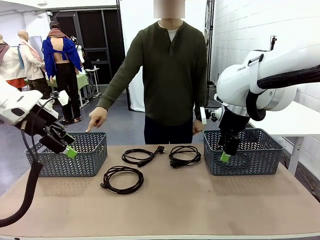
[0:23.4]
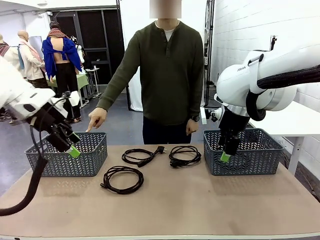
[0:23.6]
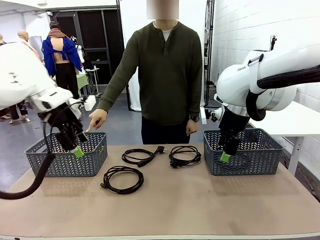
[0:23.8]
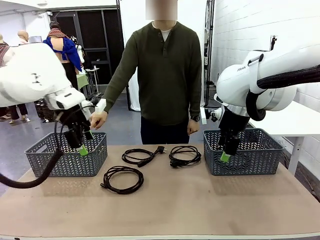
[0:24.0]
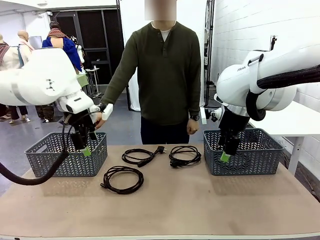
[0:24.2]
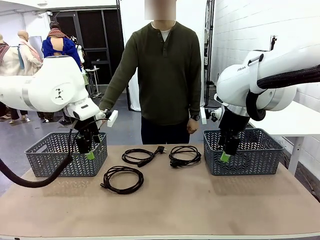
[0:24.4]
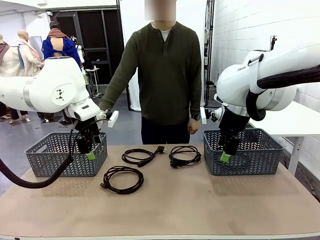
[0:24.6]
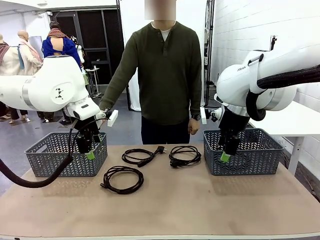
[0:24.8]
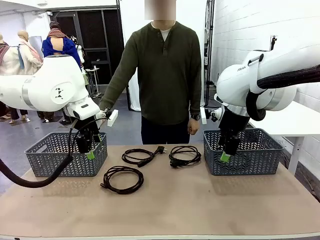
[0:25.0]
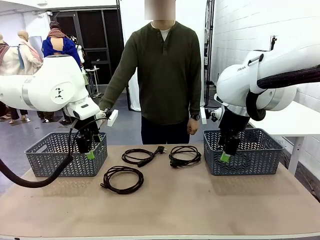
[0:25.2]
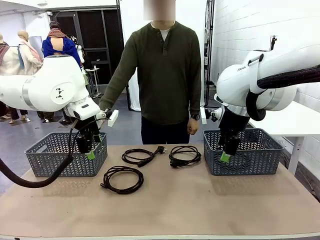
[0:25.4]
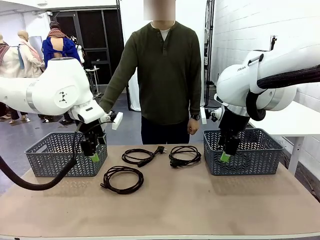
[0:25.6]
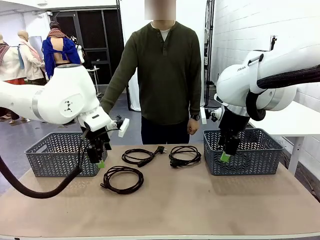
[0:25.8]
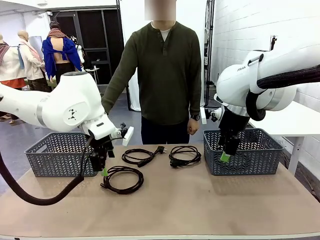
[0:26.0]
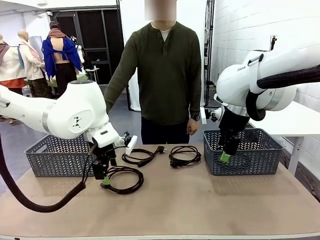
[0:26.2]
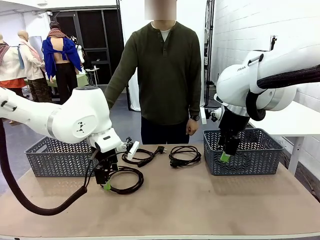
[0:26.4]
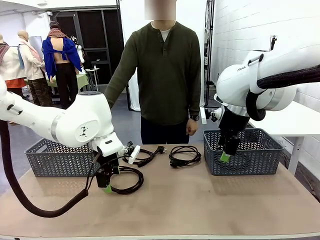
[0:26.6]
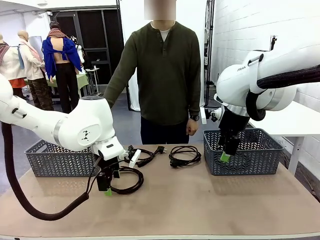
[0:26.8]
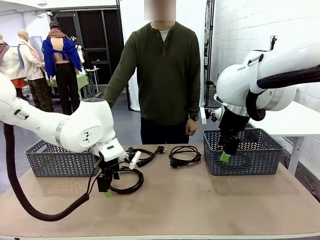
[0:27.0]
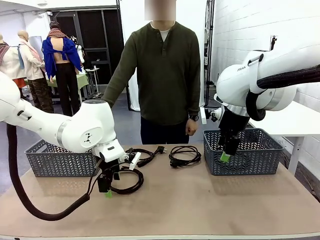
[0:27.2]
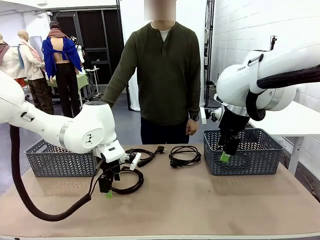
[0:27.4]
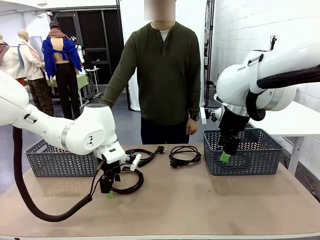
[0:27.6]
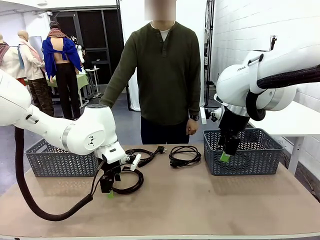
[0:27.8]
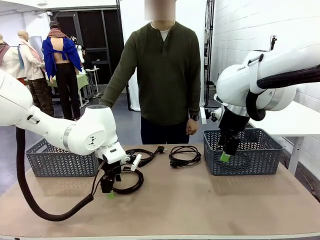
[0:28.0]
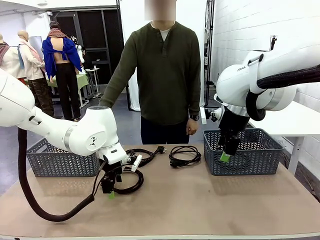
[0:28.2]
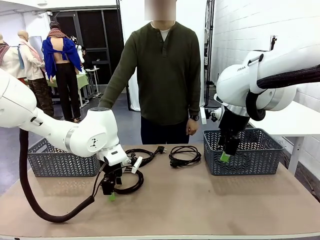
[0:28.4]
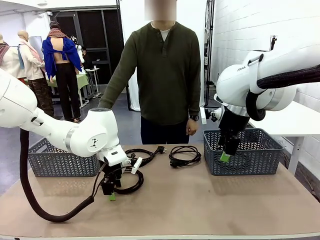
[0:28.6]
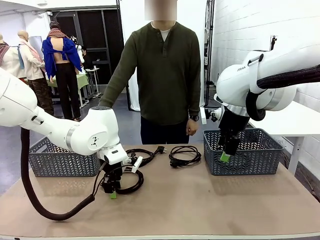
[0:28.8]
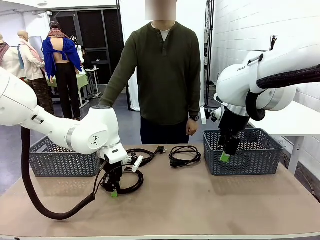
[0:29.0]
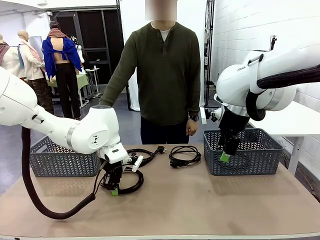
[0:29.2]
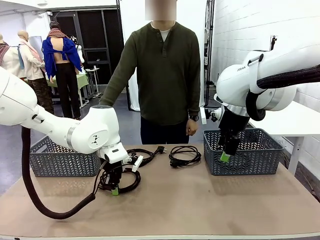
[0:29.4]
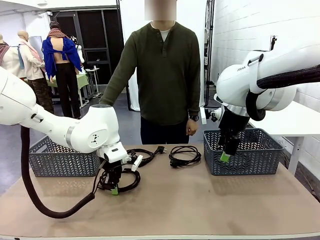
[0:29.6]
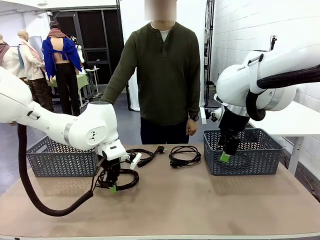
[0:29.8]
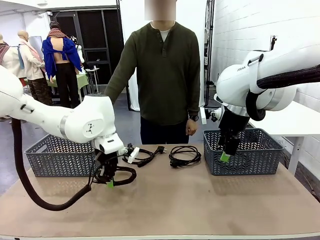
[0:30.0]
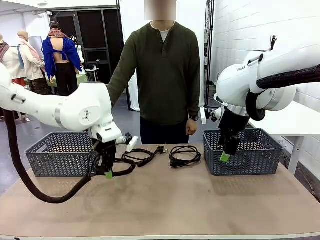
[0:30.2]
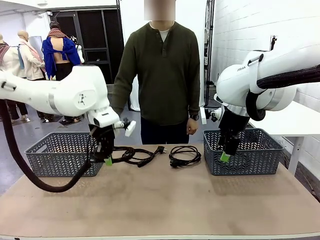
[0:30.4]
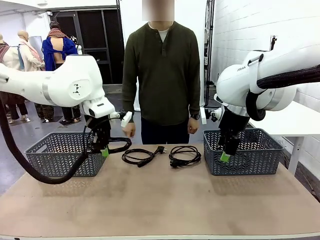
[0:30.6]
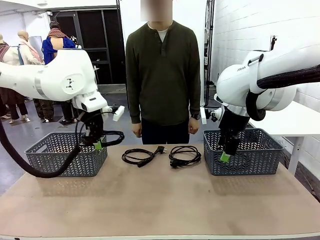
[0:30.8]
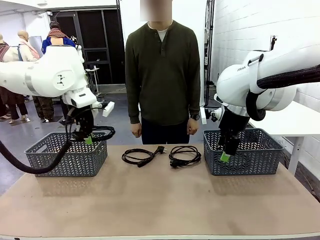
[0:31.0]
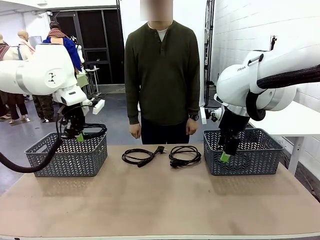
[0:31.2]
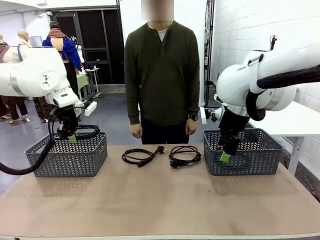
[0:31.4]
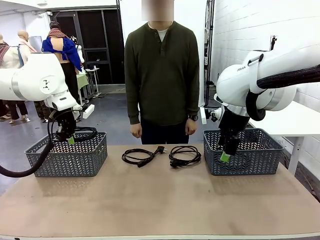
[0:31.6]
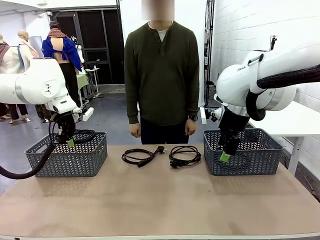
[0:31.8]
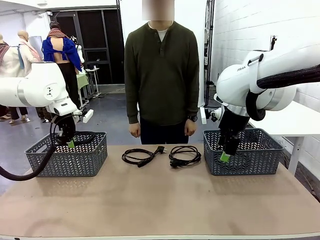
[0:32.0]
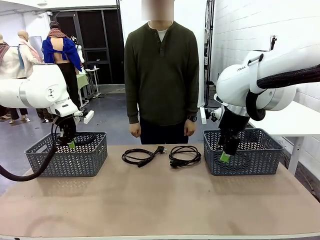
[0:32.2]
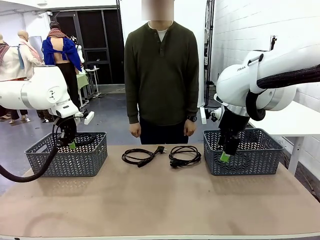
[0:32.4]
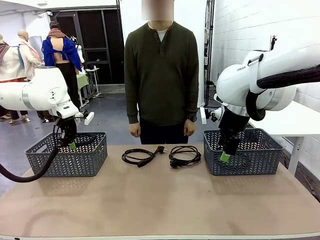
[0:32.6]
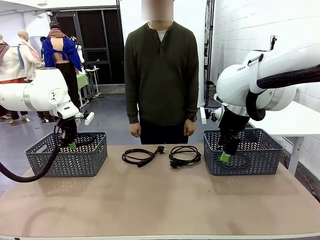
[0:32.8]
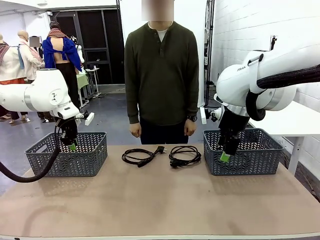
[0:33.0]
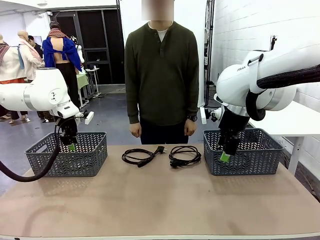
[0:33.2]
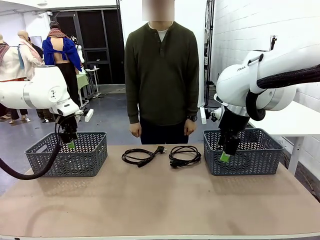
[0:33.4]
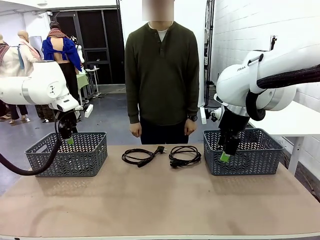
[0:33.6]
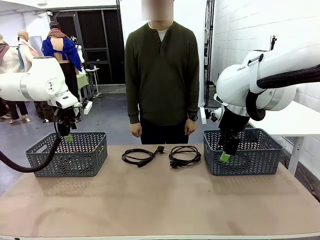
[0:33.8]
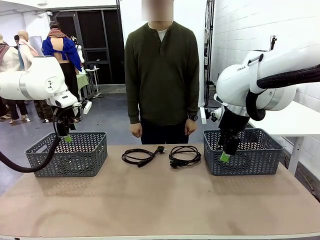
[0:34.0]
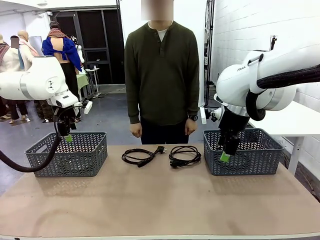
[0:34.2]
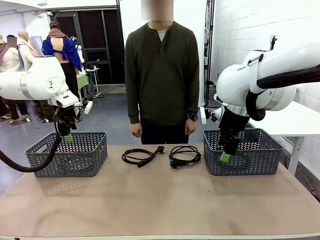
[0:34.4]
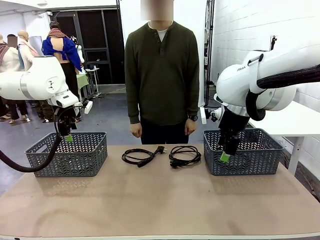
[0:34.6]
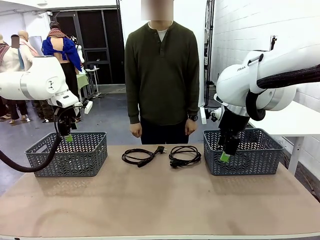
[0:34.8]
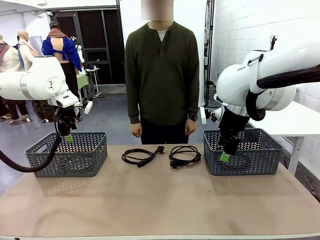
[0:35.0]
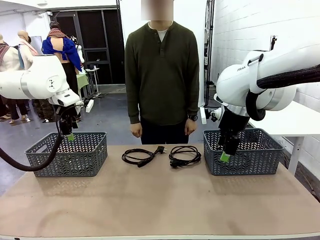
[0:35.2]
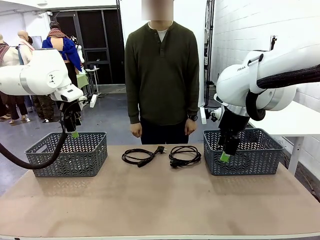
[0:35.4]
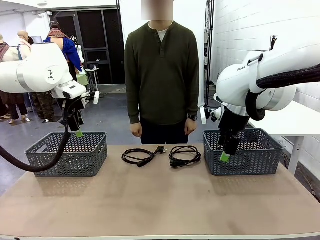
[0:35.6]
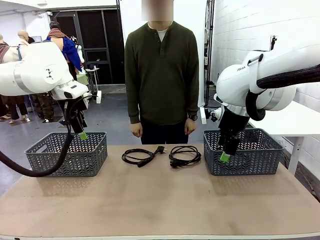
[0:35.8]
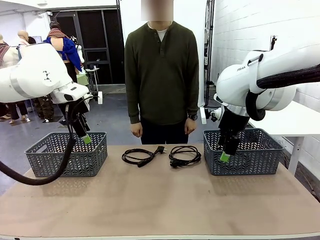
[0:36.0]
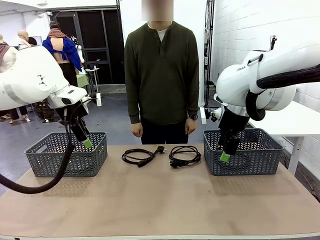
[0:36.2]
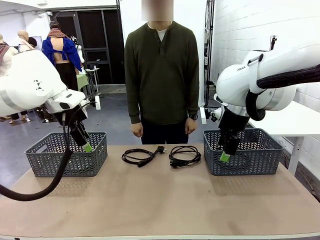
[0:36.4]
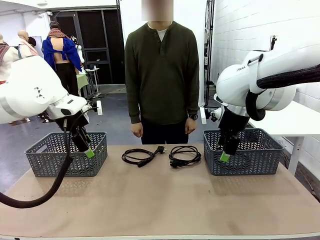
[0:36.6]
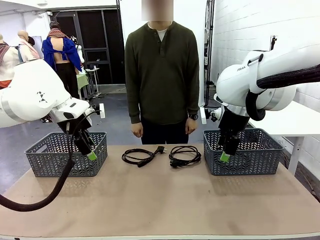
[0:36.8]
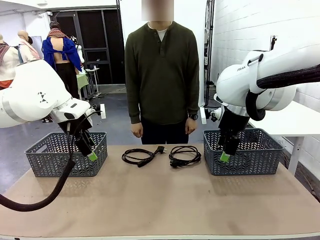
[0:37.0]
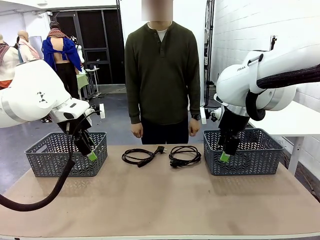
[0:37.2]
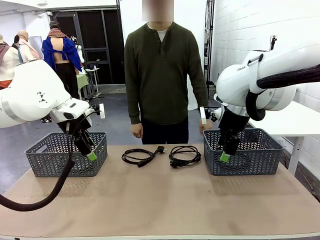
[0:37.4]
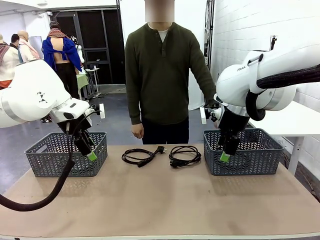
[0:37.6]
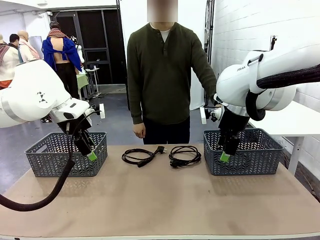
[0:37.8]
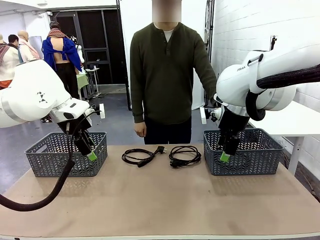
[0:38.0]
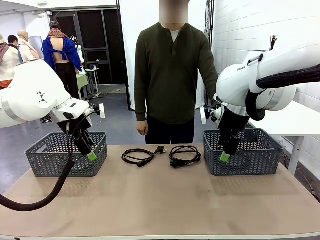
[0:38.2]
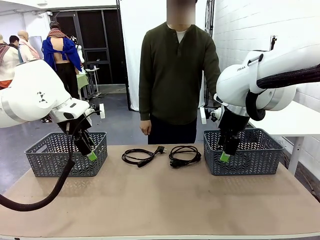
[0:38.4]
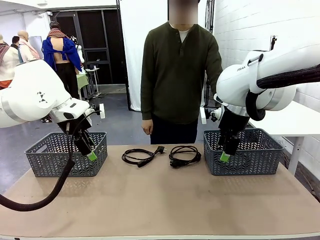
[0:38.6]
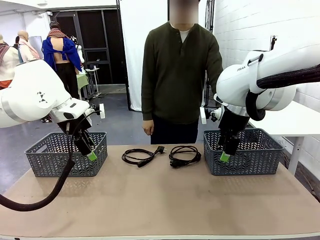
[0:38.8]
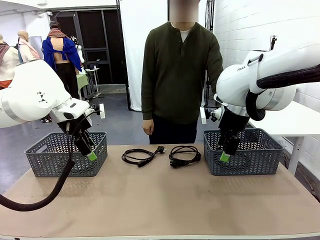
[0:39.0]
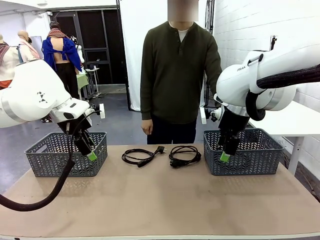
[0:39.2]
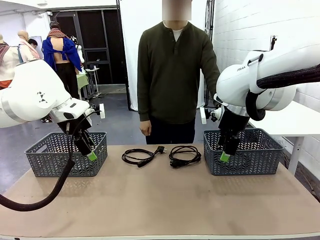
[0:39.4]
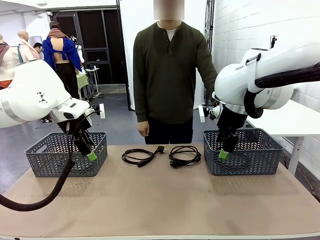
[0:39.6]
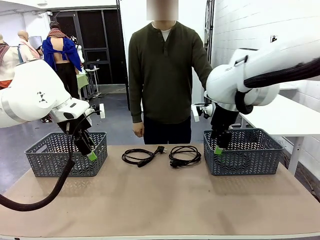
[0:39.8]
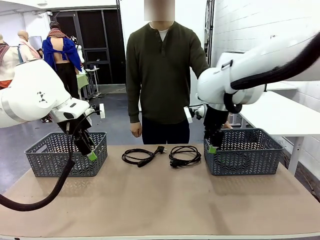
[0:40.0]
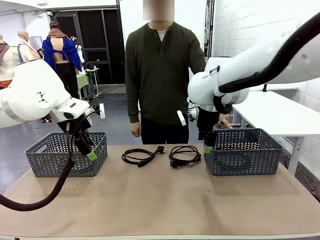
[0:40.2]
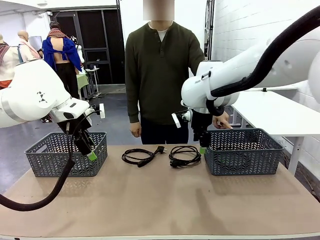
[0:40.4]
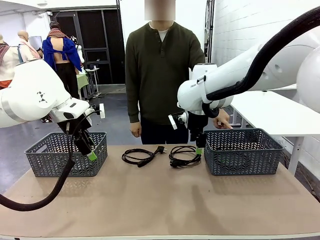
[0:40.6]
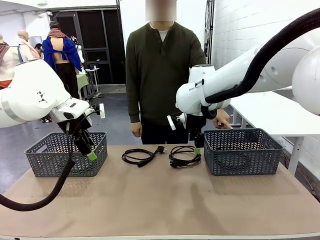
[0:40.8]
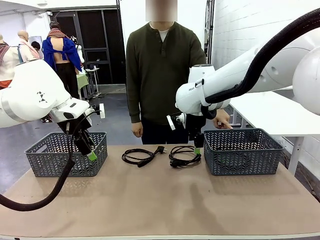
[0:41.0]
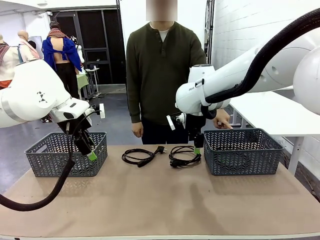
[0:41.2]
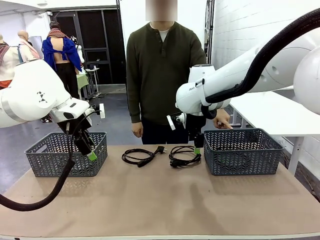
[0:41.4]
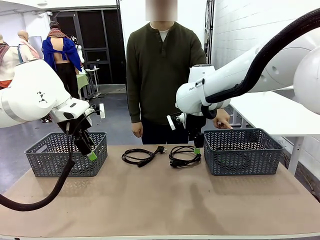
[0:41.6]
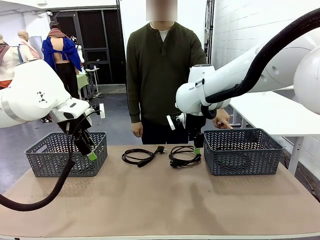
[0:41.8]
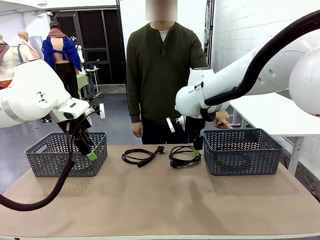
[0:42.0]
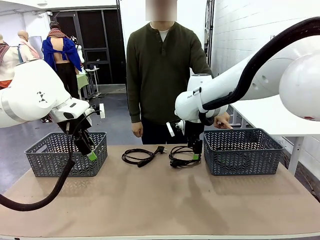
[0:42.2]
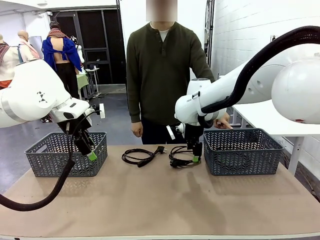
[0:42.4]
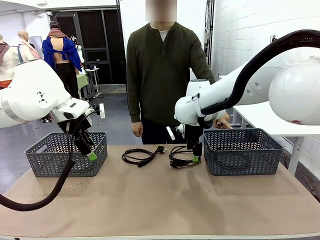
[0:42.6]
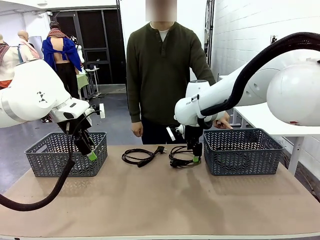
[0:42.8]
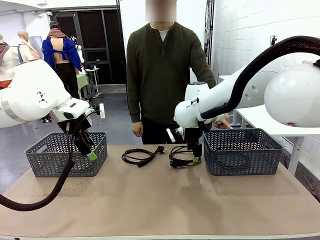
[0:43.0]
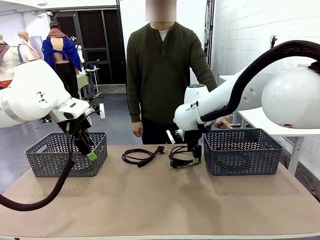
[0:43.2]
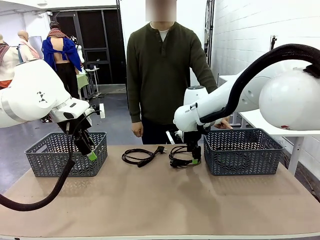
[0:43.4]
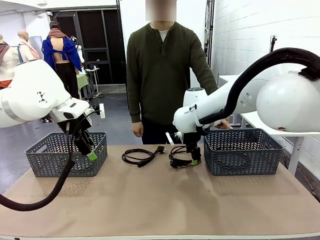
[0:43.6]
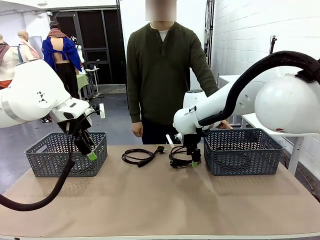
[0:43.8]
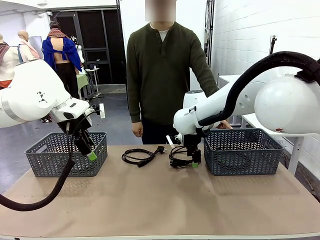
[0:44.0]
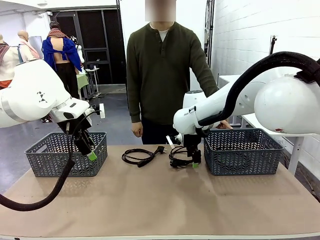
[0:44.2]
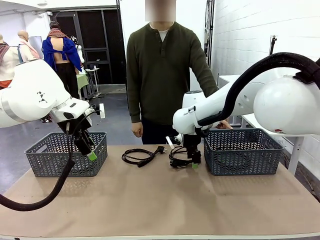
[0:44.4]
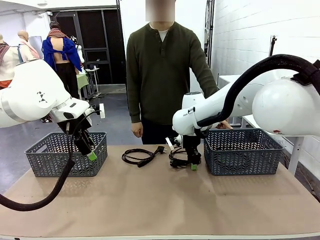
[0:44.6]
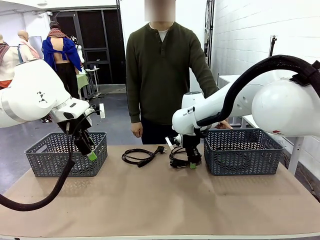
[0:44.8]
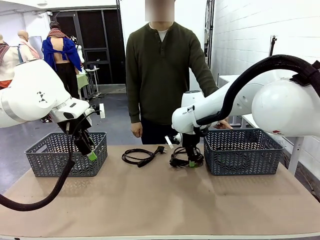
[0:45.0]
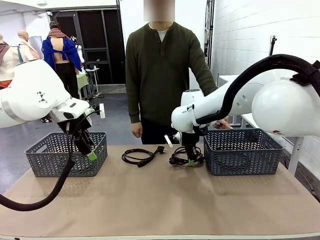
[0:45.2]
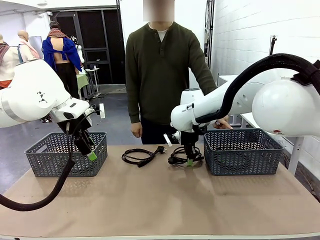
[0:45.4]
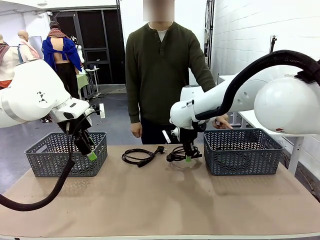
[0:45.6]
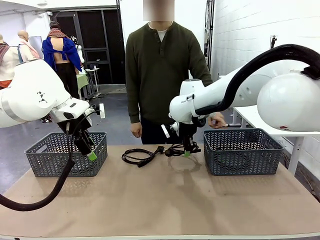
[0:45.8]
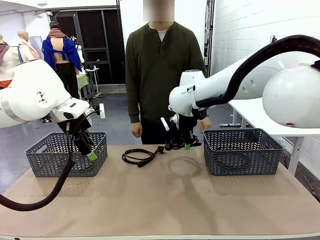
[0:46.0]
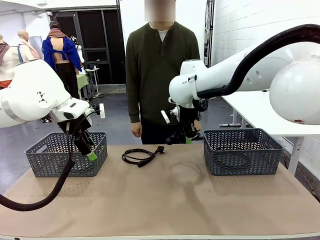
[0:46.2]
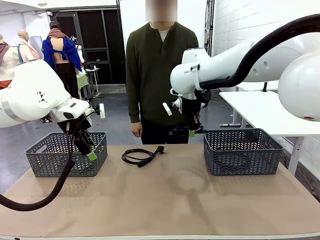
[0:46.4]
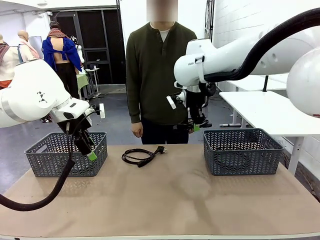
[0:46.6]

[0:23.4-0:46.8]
Task: Organize the cables according to human instructions.
Robot: Pick up a bundle of cables and place it in the basket indicated by the human.
